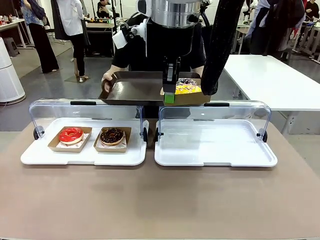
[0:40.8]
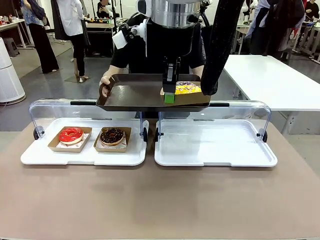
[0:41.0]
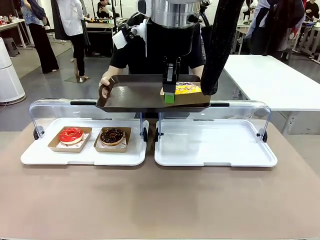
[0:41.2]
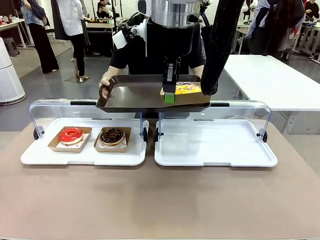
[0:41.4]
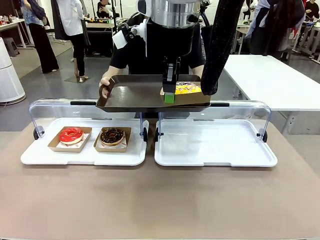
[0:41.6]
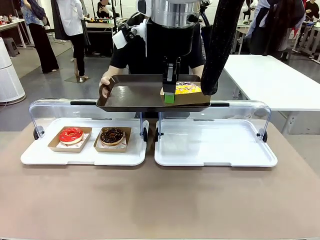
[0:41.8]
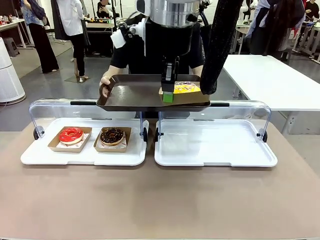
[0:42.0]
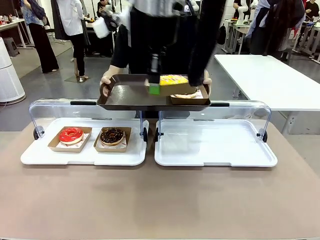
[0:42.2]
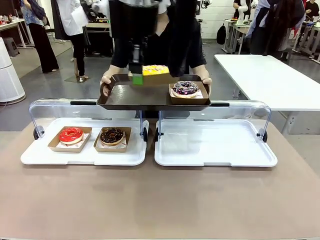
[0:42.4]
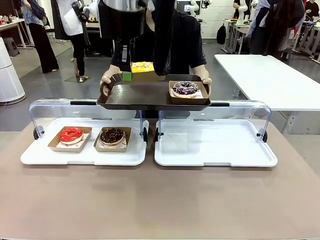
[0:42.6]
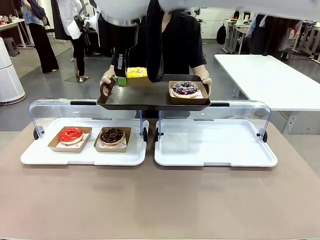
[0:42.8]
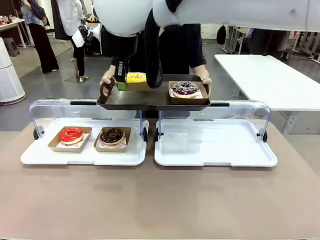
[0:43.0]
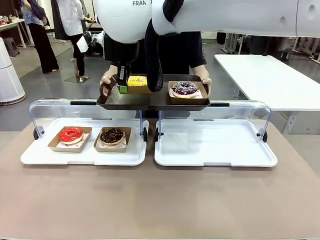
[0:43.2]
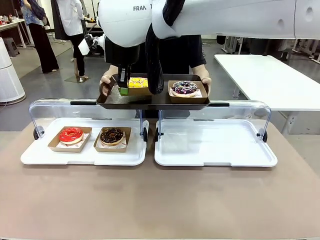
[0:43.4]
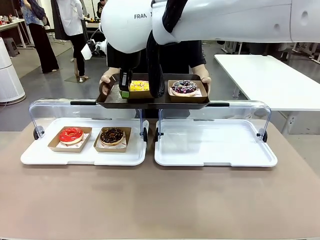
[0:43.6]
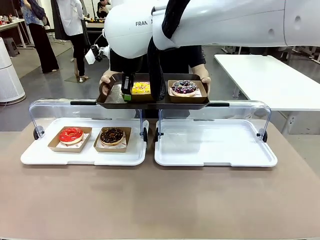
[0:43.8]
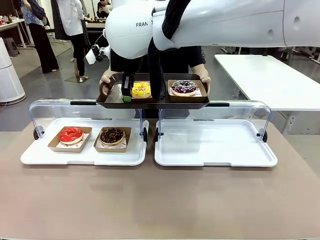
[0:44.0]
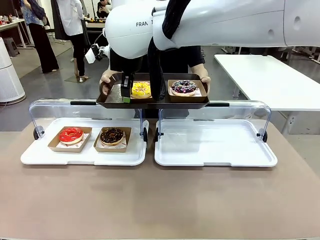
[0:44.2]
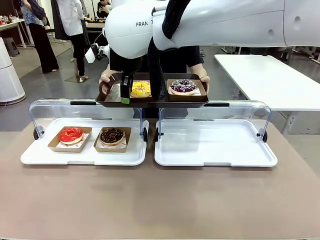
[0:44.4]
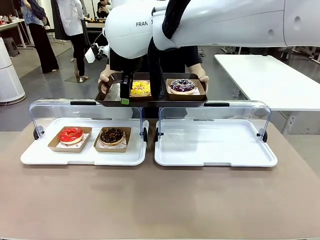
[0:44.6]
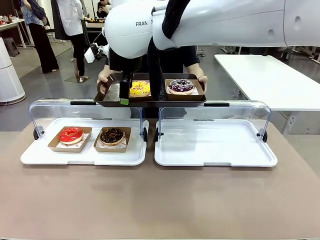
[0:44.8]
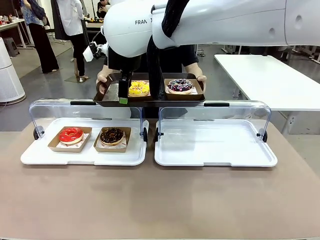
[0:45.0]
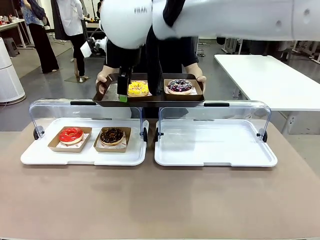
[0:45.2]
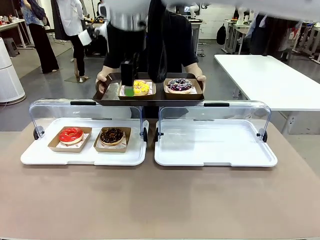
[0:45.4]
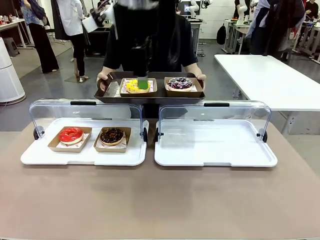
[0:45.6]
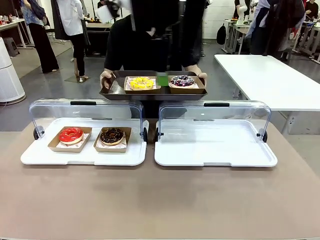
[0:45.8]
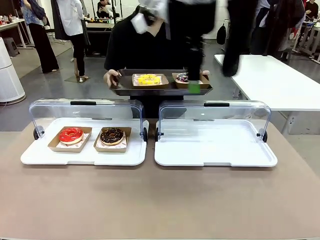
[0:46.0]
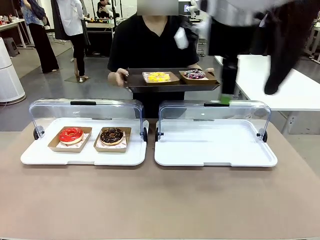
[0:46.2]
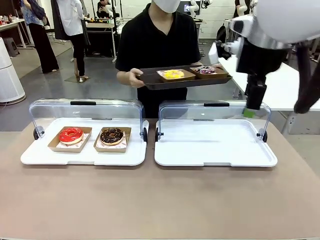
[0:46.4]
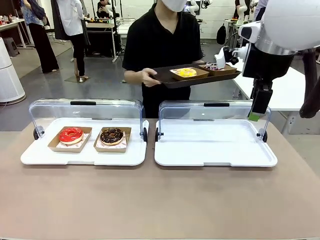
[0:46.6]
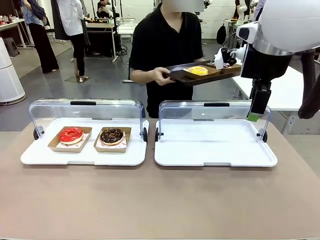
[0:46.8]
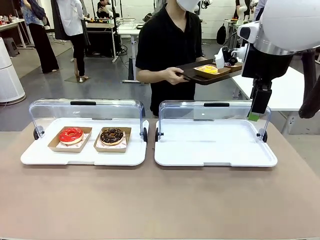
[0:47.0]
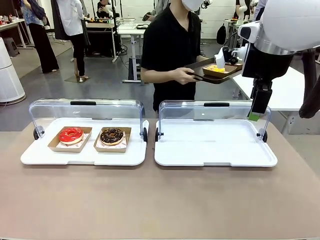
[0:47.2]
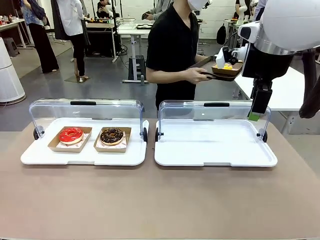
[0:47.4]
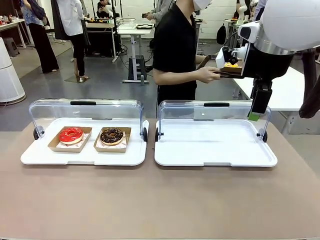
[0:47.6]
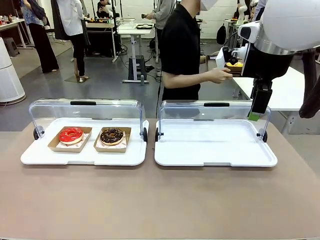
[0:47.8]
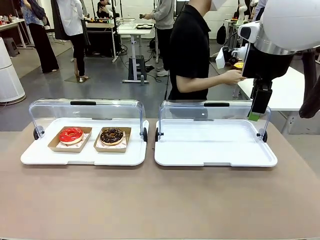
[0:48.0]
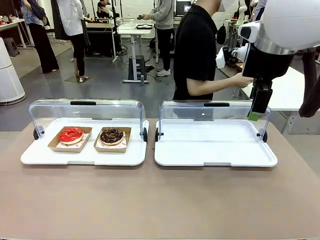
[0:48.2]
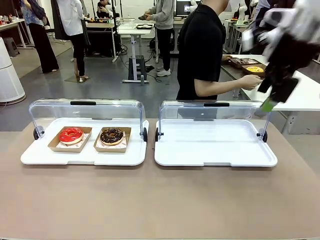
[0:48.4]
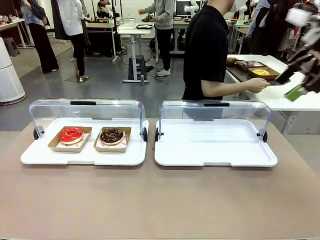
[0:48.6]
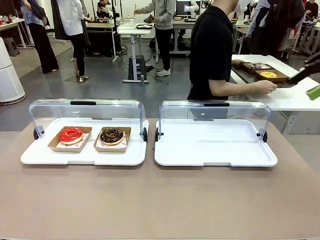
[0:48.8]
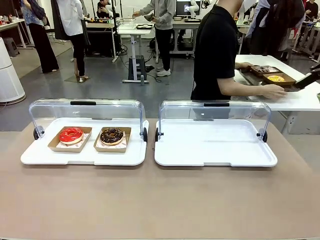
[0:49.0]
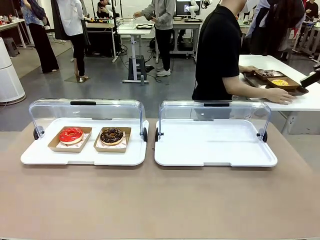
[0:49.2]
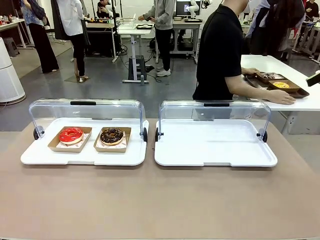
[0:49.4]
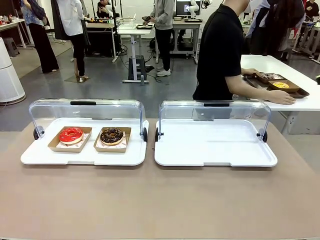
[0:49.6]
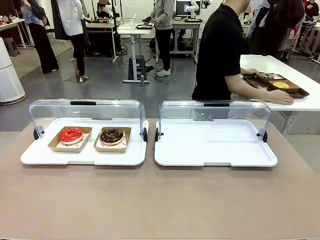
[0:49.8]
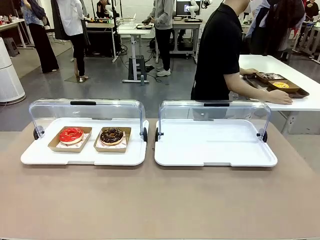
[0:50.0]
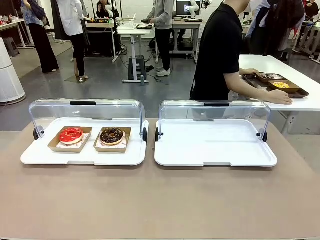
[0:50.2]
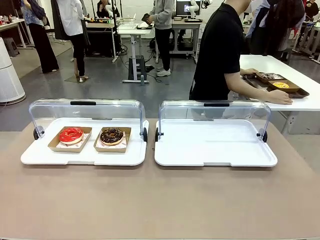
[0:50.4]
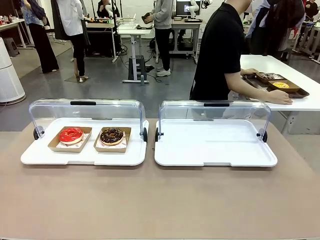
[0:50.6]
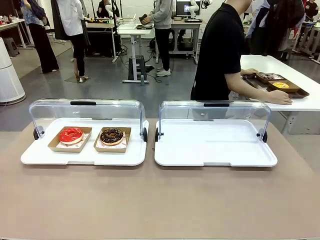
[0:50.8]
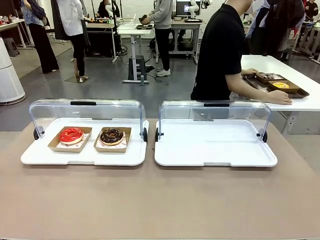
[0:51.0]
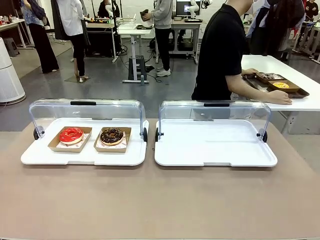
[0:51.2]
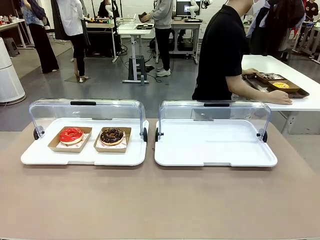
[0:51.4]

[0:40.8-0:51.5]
Task: Provide the desired donut to the person.
Robot: Place the picked Paper togo box onto the Handle tray extended by the person.
Person: Place the tray in the middle of the human table.

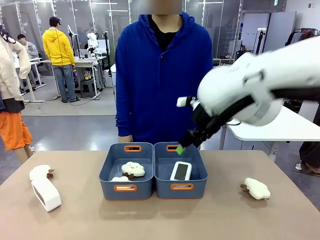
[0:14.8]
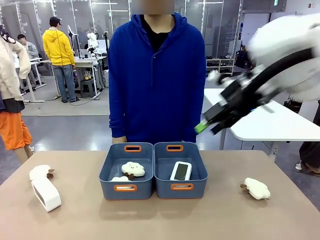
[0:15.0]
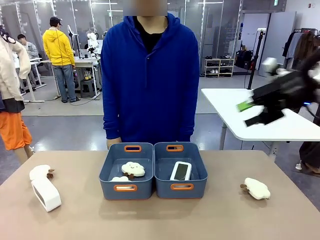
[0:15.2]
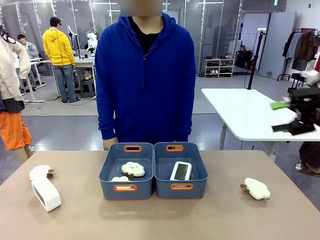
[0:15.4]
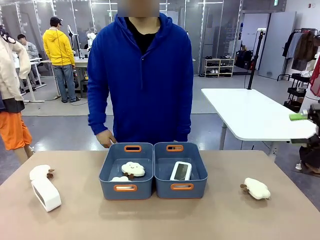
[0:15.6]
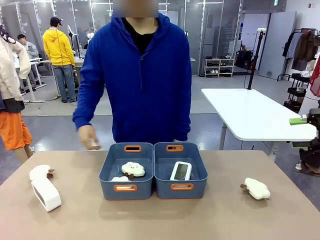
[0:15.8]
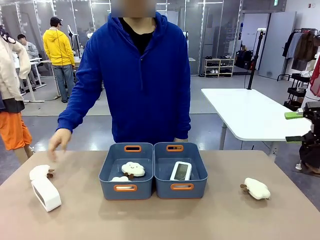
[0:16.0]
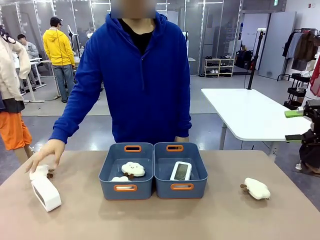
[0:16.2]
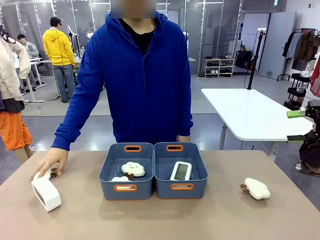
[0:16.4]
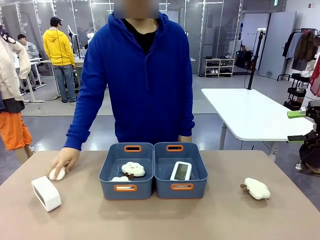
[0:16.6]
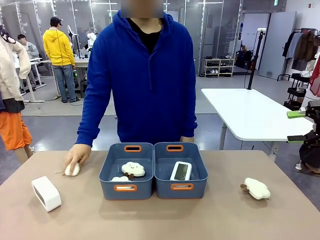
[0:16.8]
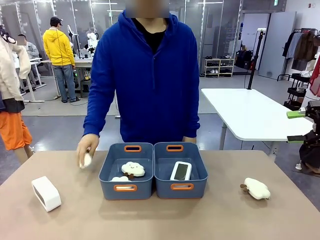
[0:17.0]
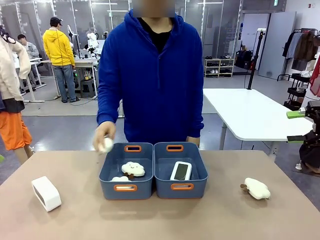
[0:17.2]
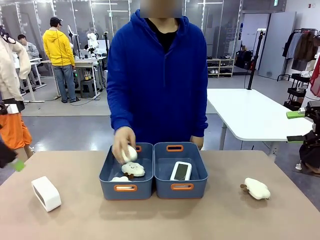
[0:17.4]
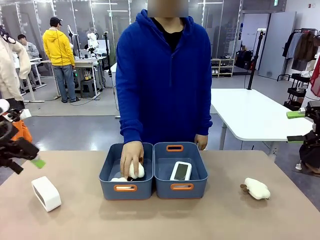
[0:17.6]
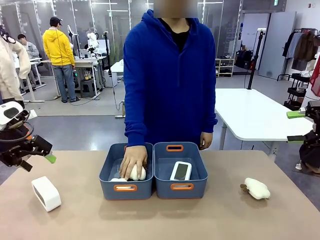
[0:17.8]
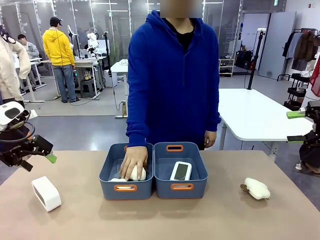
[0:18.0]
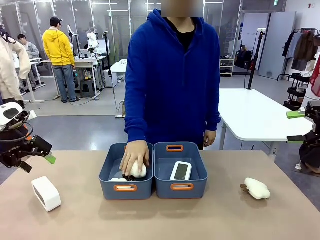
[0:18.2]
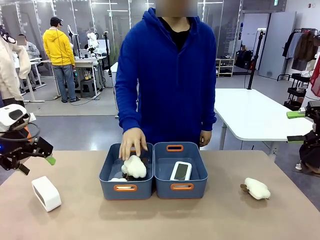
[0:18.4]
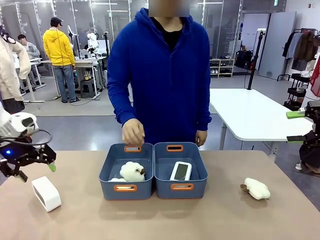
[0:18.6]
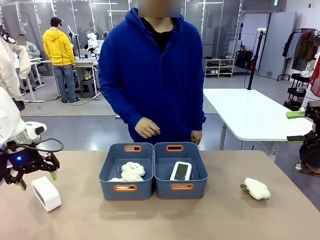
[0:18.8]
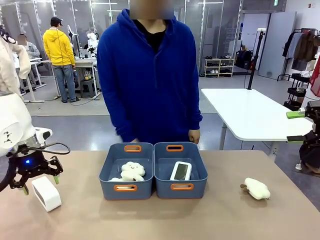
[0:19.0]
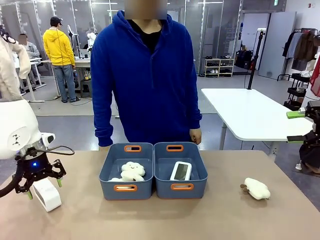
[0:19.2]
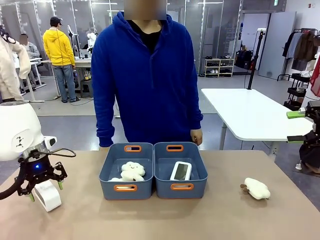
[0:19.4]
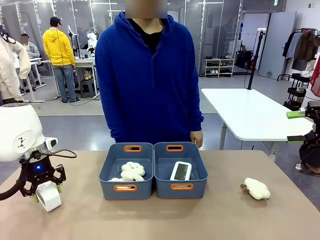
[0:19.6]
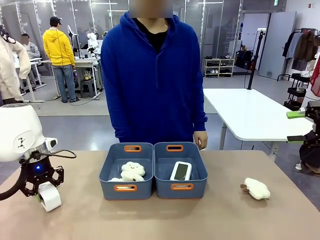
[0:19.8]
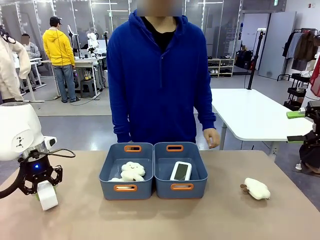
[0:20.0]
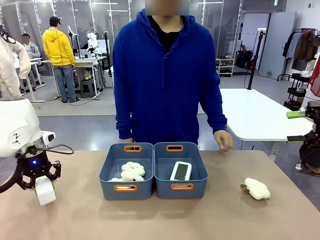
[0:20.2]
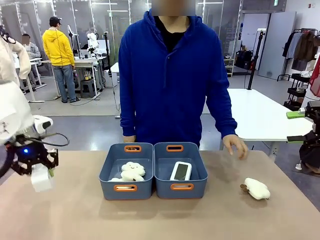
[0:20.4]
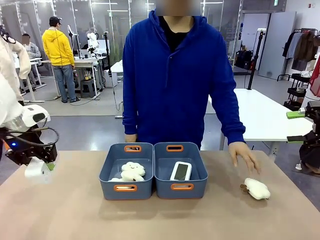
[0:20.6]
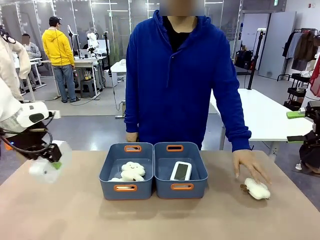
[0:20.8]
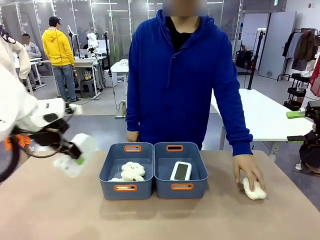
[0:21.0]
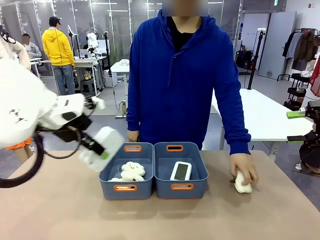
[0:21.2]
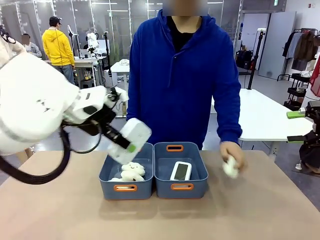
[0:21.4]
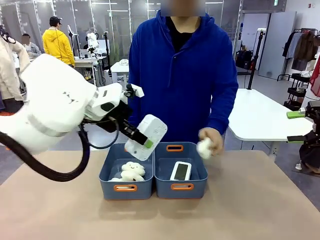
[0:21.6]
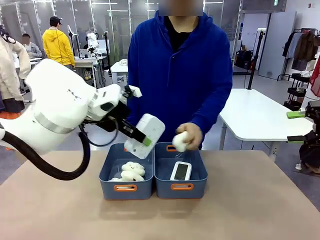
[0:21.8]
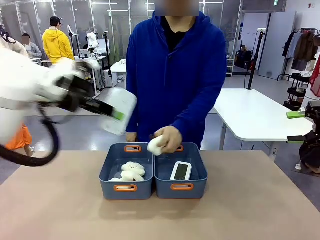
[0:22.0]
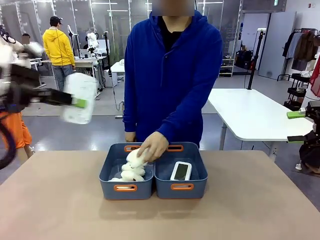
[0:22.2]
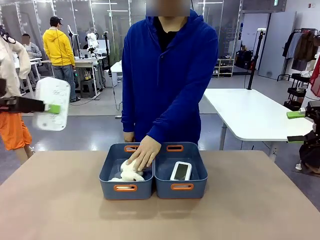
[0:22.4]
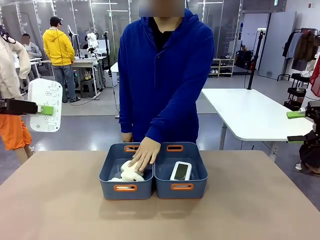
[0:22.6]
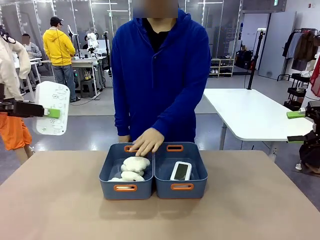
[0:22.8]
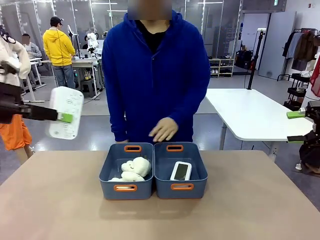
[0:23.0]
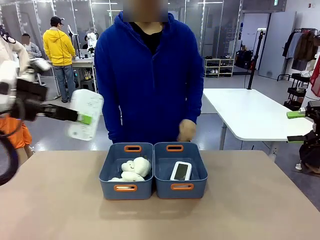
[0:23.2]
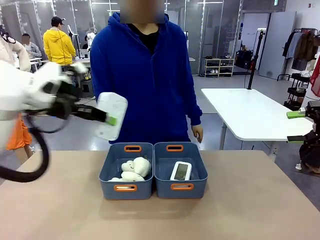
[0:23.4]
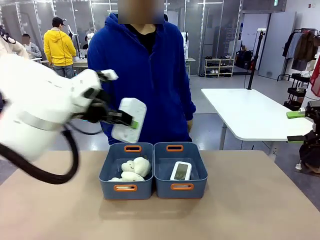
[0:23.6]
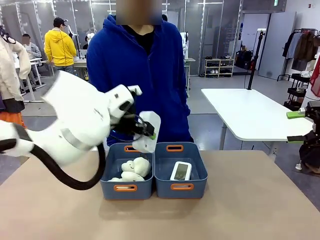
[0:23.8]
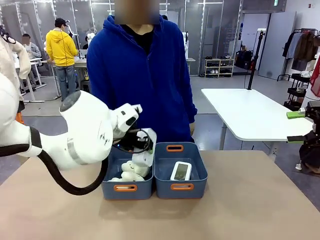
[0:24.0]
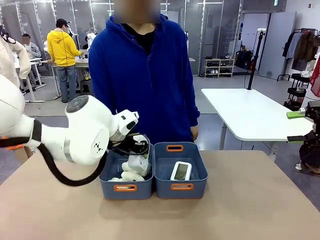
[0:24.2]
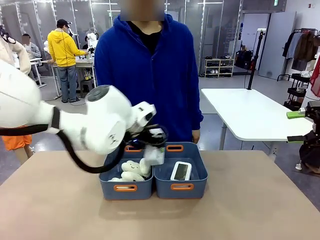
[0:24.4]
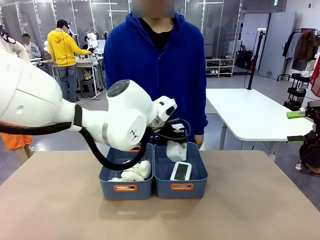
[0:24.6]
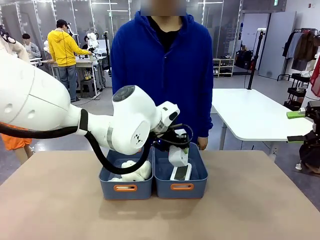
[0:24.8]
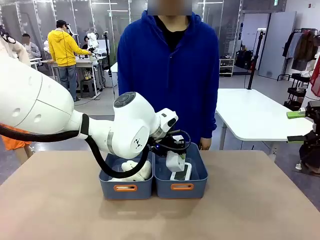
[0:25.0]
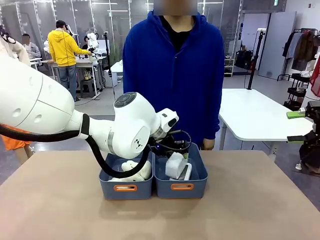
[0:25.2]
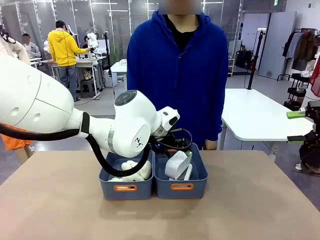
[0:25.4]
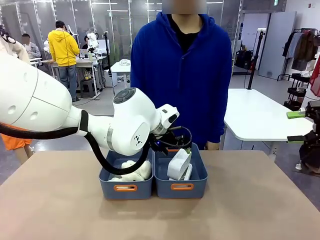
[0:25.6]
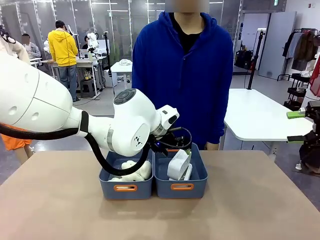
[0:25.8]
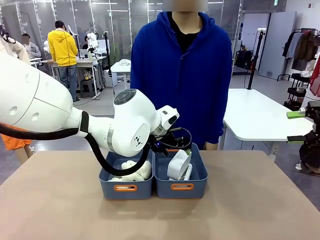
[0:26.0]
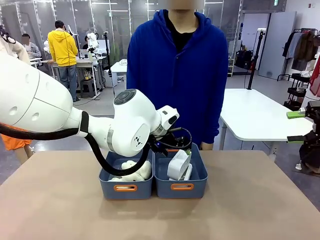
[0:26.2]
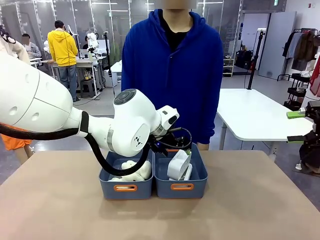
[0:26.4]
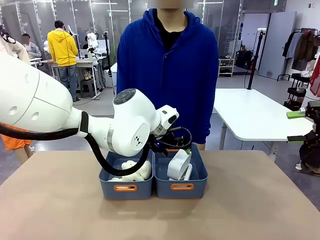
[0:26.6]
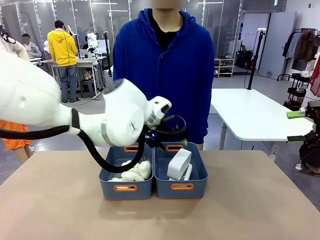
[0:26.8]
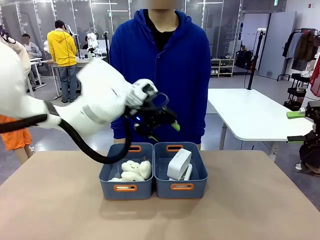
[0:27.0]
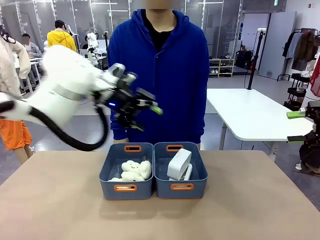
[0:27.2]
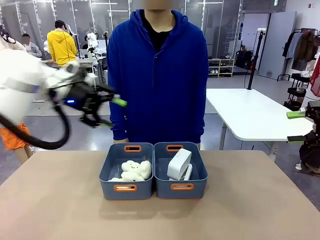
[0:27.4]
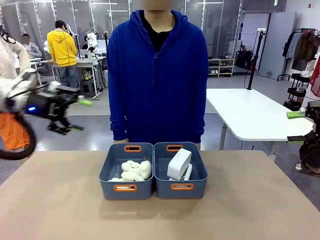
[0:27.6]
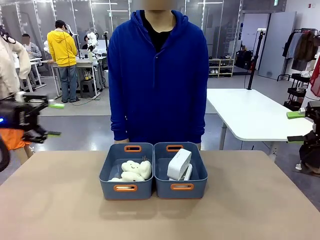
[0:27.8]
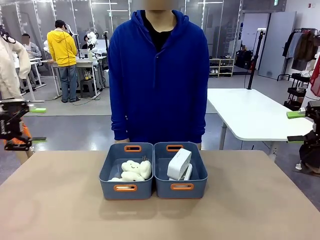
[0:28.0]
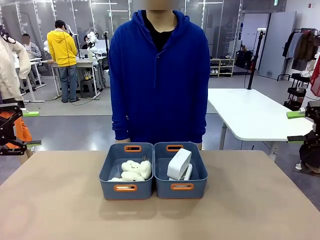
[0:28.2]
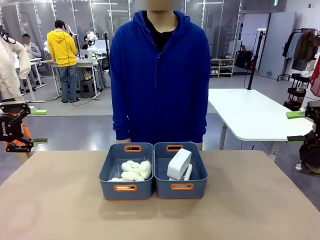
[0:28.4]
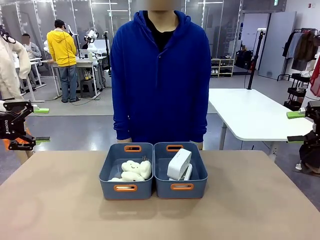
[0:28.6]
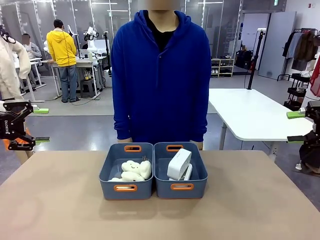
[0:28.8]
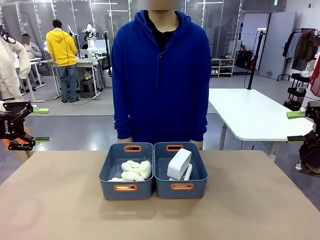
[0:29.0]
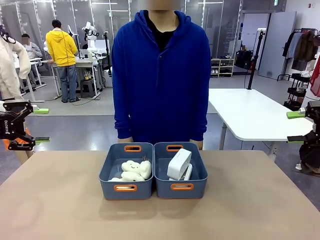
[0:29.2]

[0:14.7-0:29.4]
Task: Sort the digital clocks into the basket.
Robot: Pick up the Digital clock from the table and place it into the empty Plastic storage basket.
Person: Pick up a plush toy from the table and place it in the plastic storage basket containing the plush toy.
